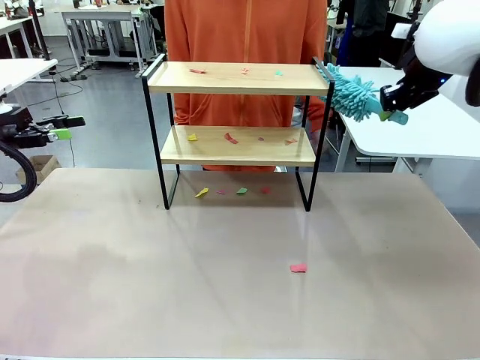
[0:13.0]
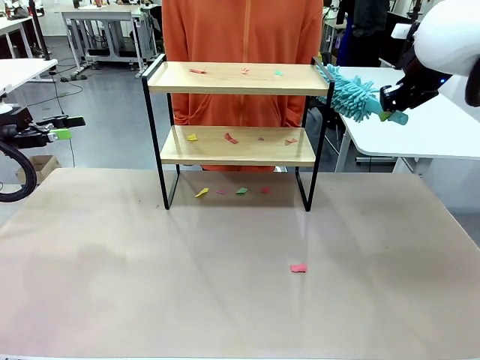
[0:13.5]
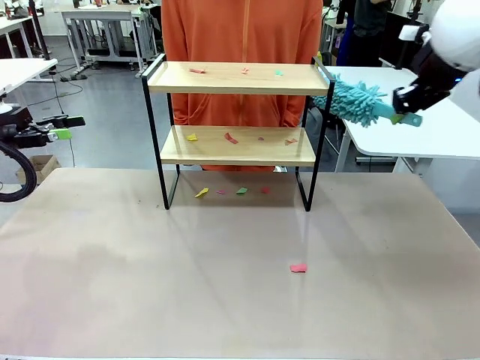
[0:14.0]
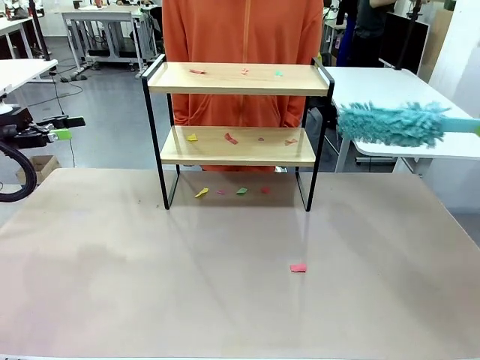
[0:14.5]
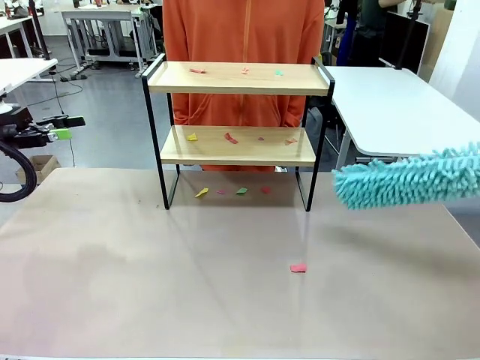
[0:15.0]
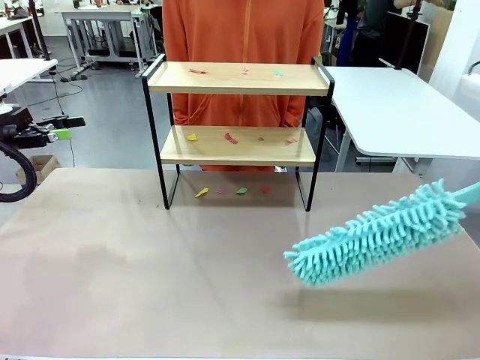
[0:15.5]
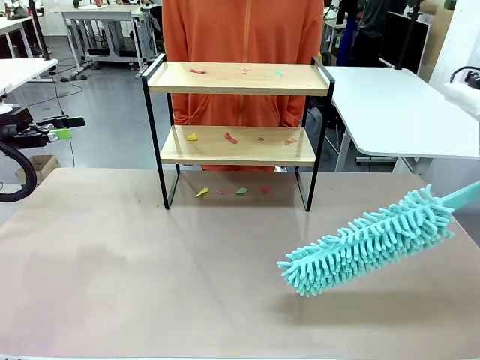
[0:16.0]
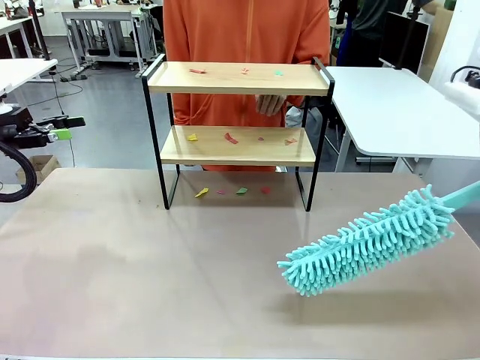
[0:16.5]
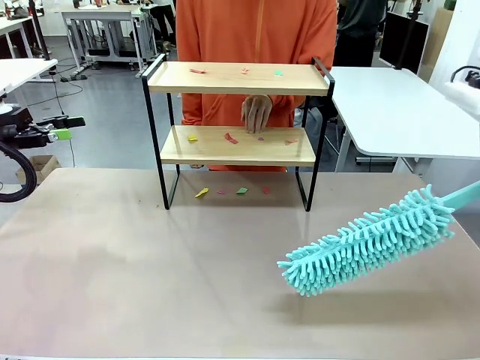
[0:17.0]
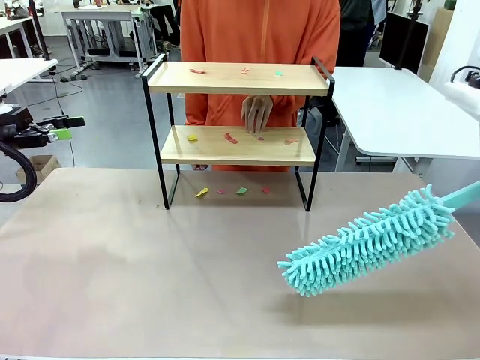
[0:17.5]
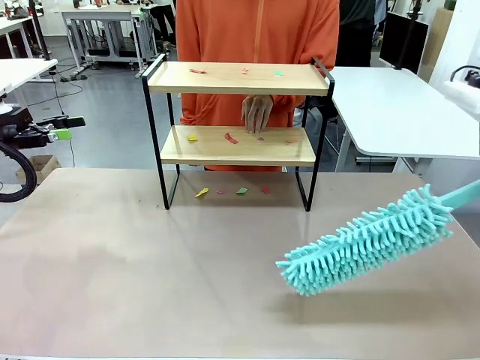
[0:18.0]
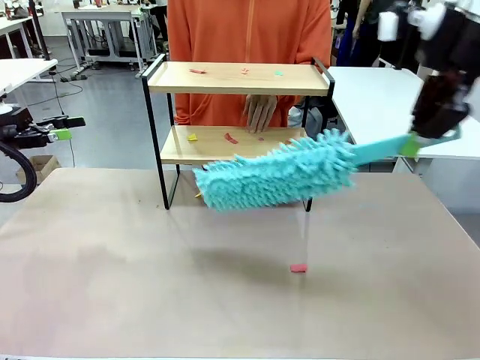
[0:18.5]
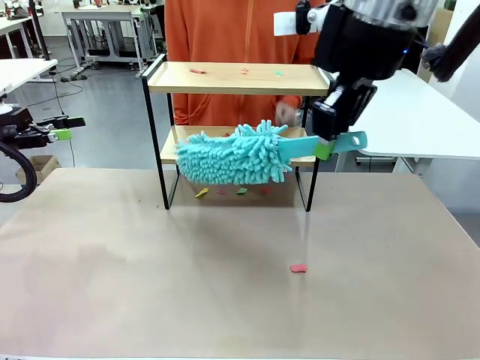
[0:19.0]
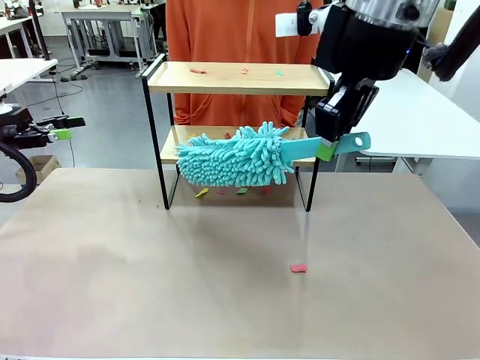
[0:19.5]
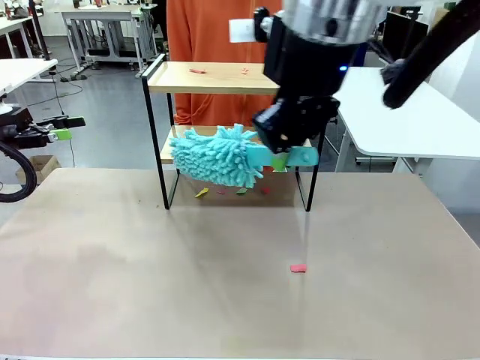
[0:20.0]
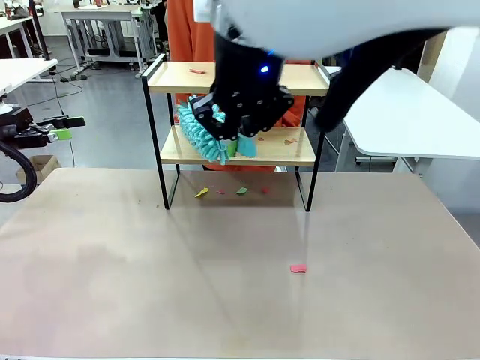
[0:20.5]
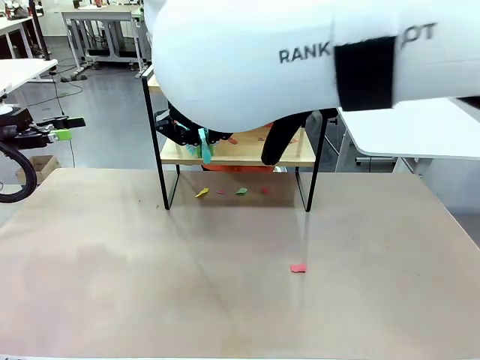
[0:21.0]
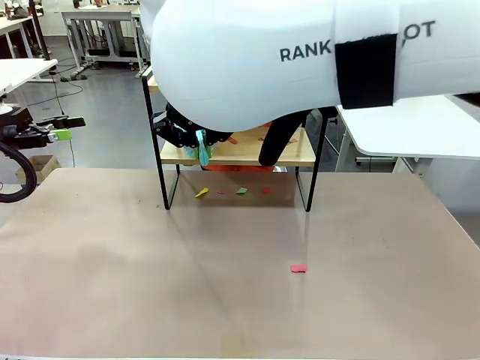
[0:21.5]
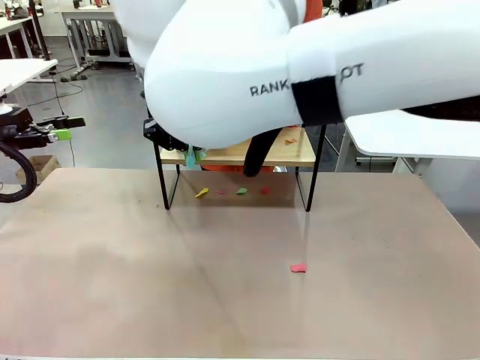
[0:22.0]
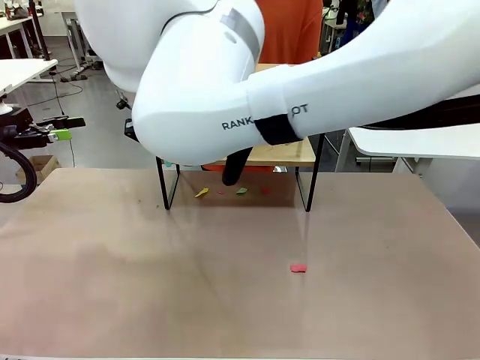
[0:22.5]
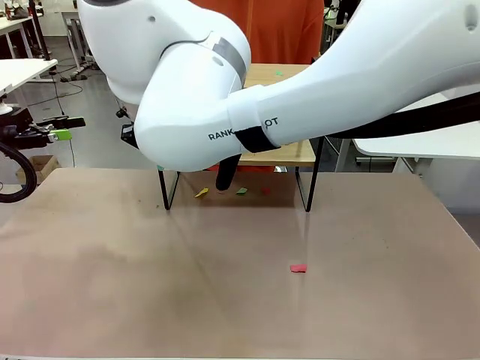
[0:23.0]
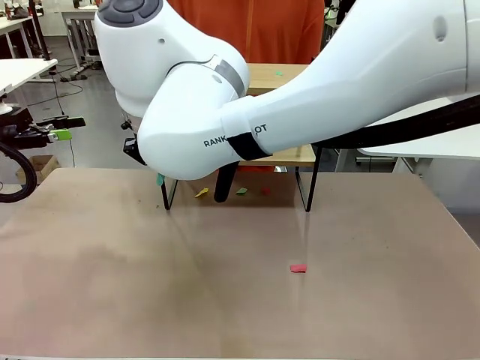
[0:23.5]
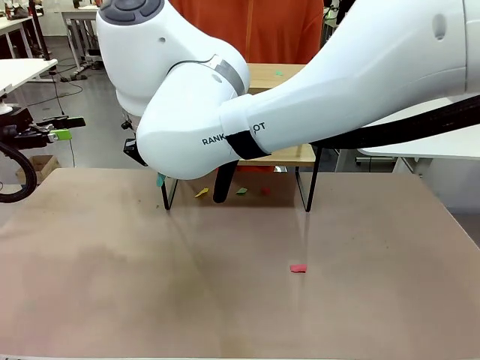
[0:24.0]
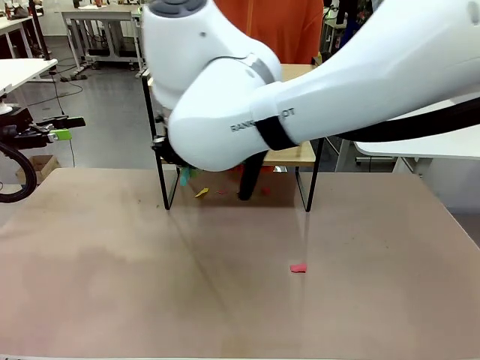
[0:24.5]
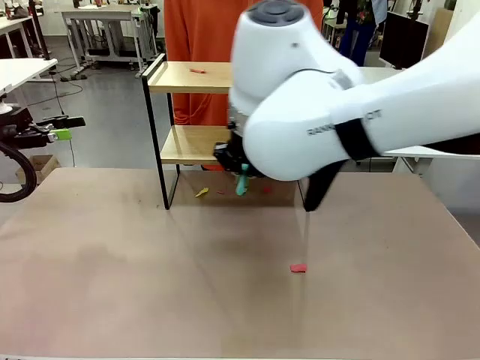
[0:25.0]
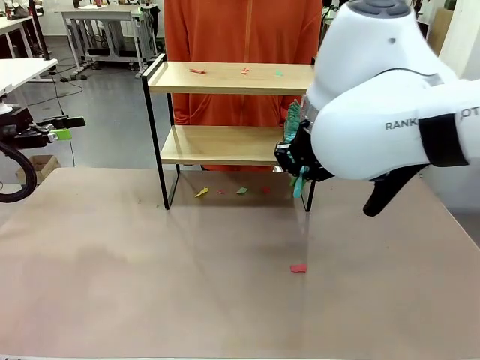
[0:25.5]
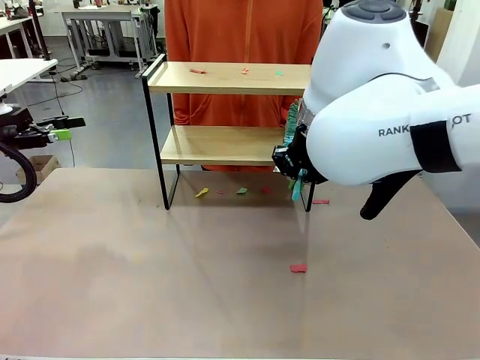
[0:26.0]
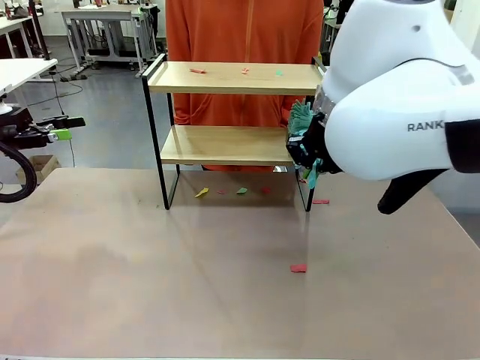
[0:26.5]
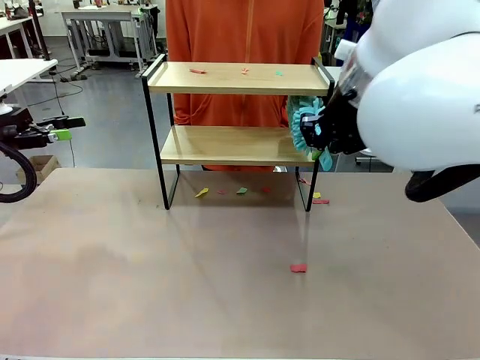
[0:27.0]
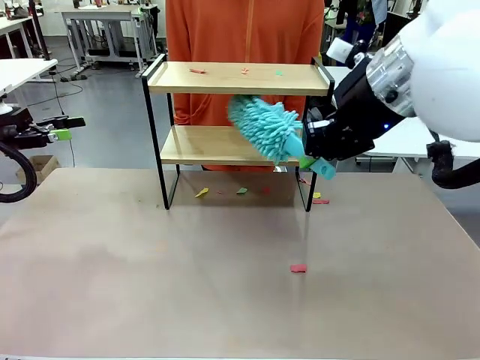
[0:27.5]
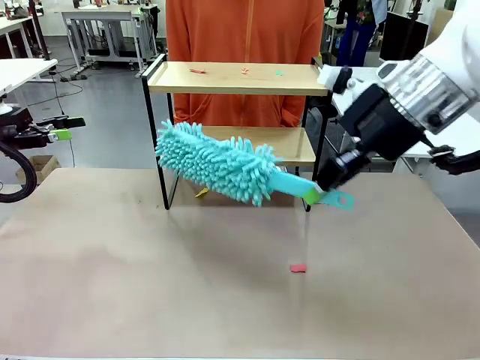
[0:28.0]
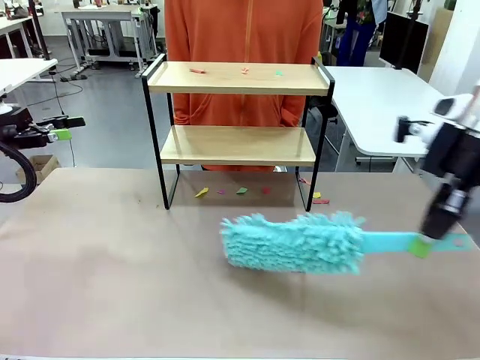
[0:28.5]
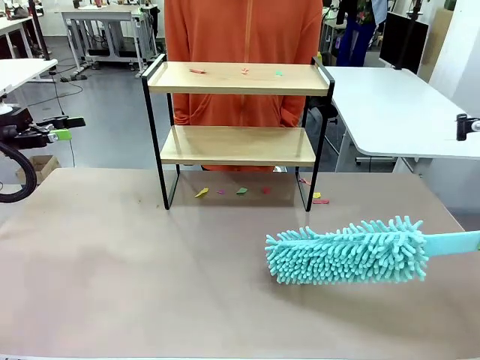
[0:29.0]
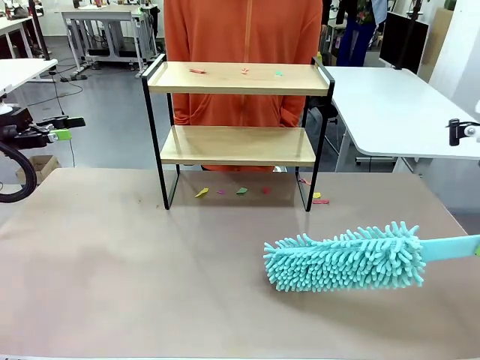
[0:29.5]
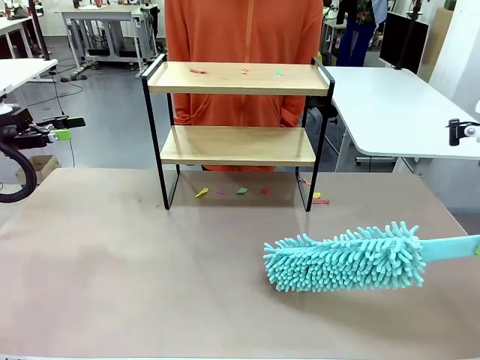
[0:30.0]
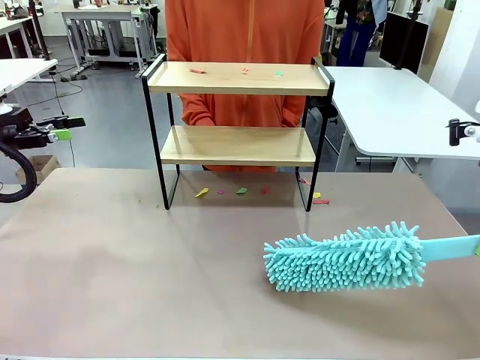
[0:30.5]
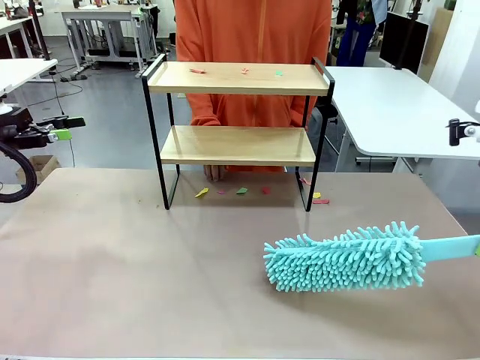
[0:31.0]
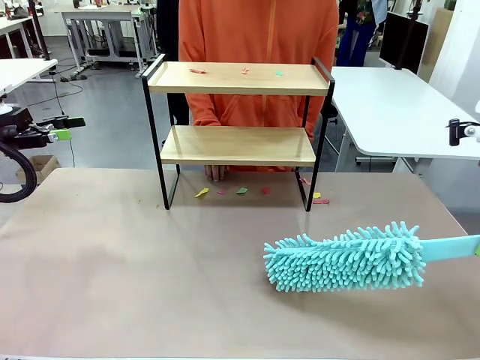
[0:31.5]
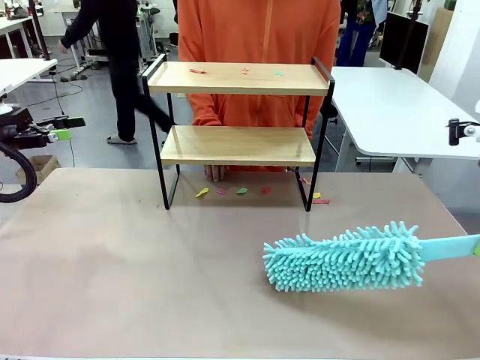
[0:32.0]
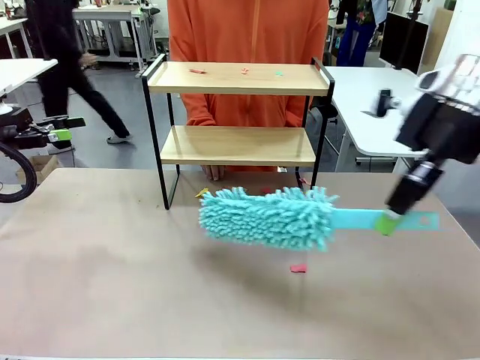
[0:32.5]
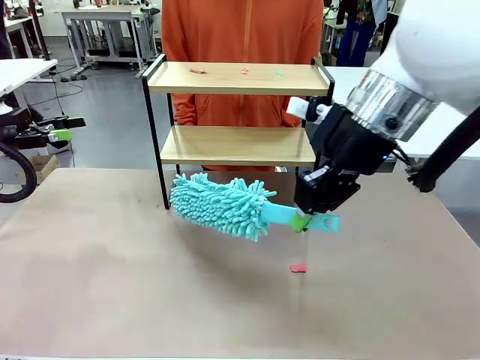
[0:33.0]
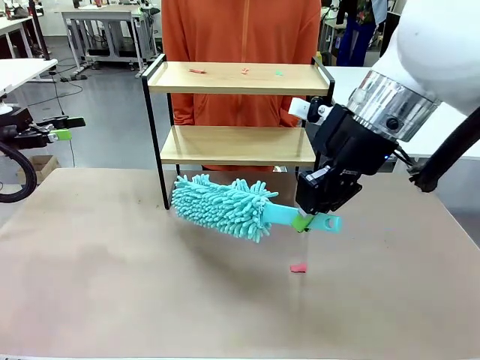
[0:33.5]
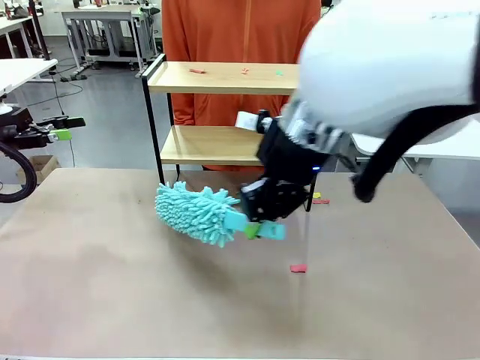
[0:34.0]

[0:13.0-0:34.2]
Task: Clean the shelf.
Robot: Clean the specific section of the Shelf indicated by the human with the Duster.
Person: Point a random section of the Shelf.
